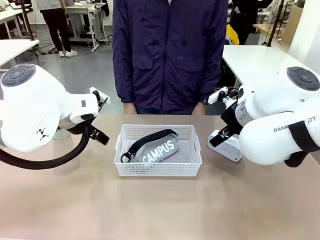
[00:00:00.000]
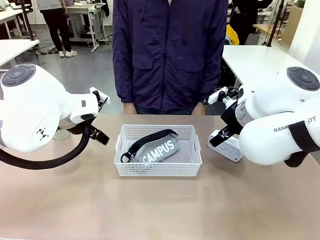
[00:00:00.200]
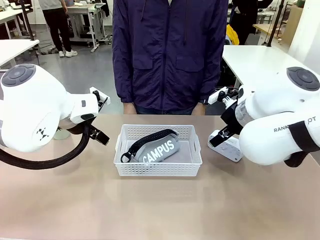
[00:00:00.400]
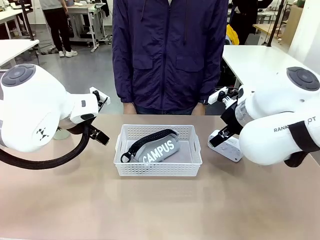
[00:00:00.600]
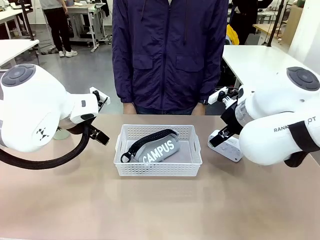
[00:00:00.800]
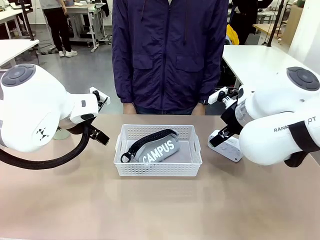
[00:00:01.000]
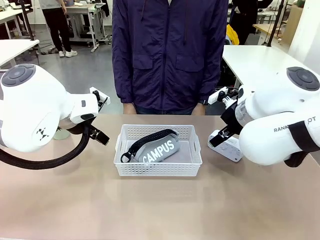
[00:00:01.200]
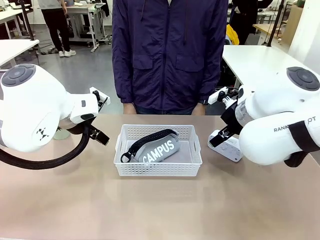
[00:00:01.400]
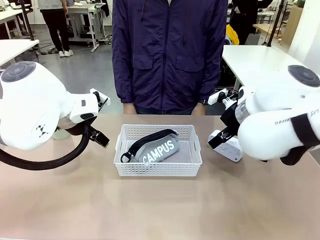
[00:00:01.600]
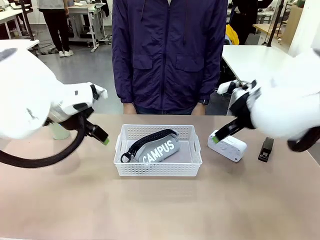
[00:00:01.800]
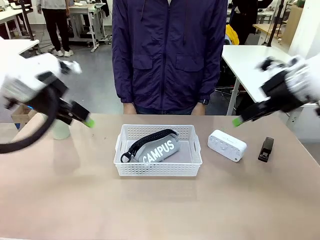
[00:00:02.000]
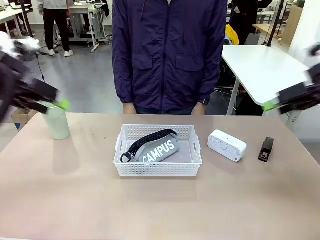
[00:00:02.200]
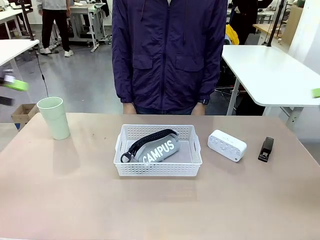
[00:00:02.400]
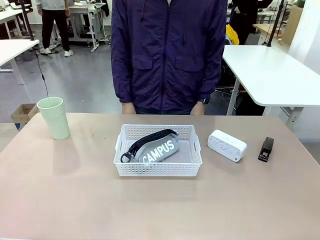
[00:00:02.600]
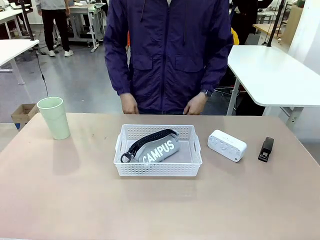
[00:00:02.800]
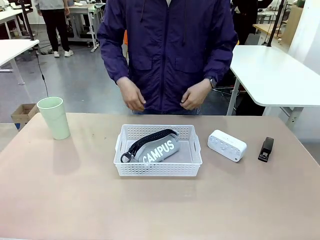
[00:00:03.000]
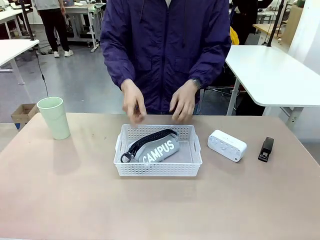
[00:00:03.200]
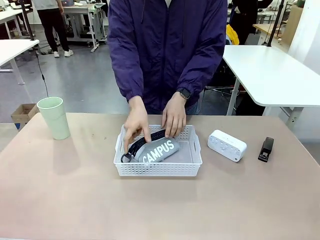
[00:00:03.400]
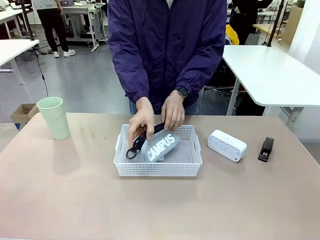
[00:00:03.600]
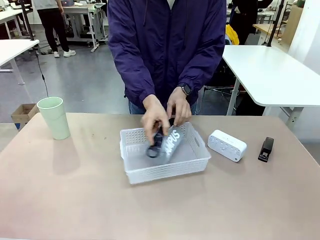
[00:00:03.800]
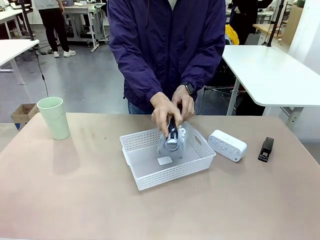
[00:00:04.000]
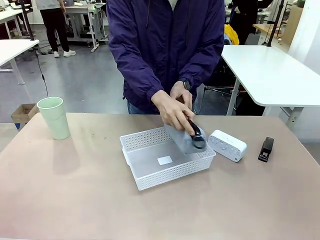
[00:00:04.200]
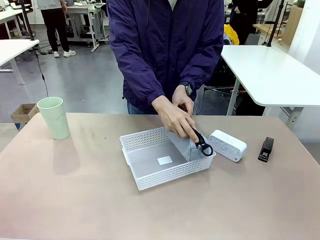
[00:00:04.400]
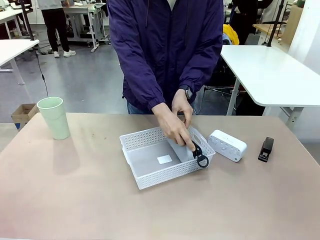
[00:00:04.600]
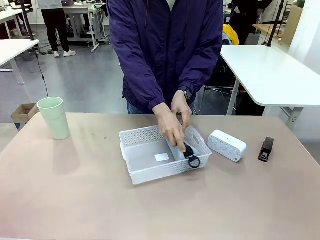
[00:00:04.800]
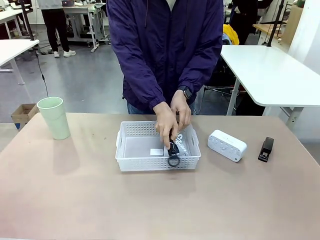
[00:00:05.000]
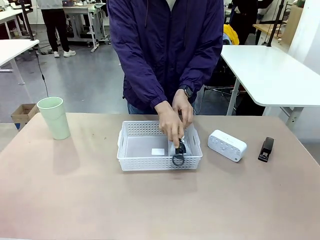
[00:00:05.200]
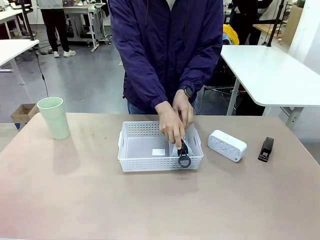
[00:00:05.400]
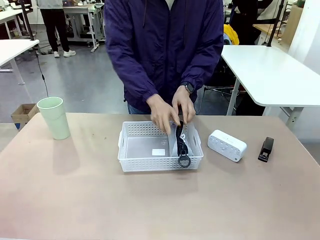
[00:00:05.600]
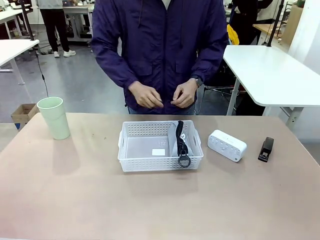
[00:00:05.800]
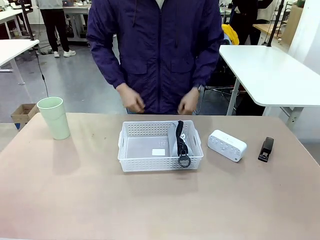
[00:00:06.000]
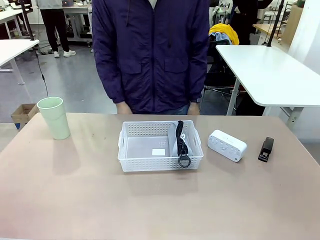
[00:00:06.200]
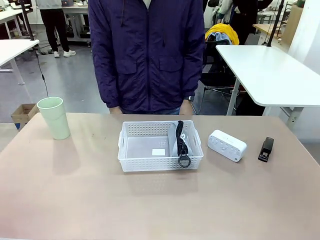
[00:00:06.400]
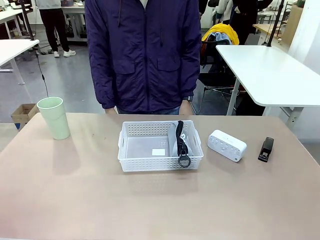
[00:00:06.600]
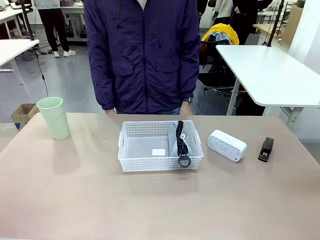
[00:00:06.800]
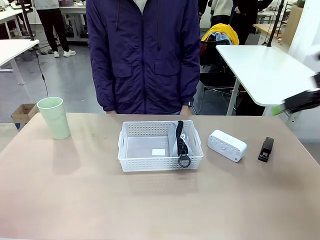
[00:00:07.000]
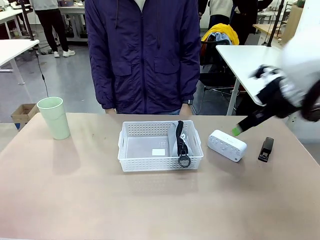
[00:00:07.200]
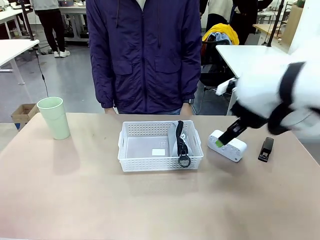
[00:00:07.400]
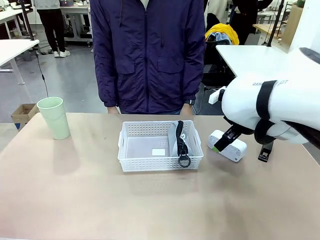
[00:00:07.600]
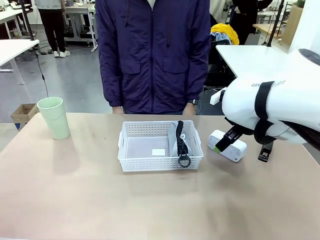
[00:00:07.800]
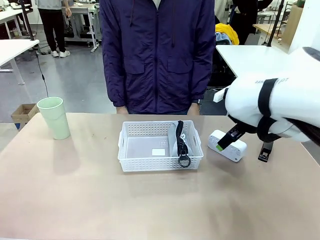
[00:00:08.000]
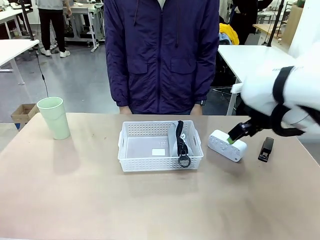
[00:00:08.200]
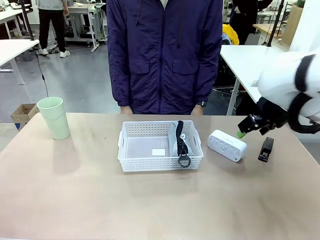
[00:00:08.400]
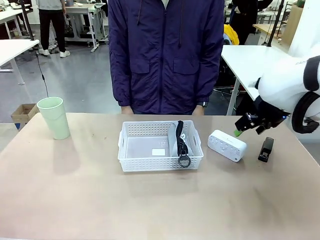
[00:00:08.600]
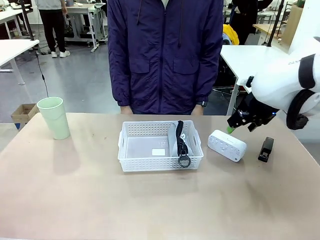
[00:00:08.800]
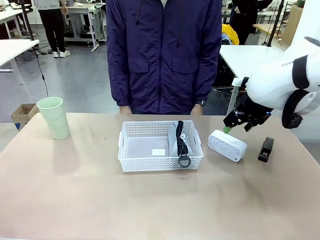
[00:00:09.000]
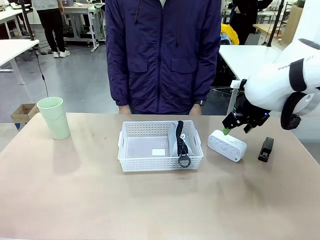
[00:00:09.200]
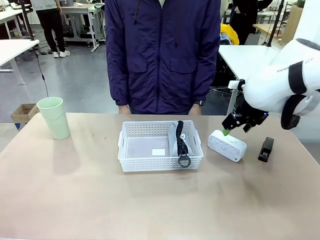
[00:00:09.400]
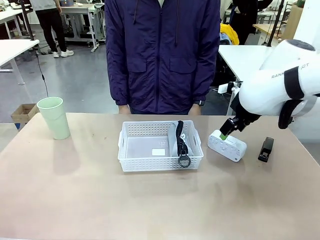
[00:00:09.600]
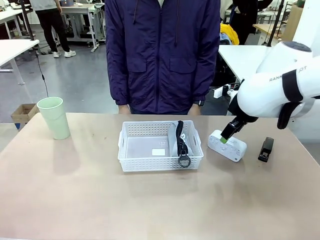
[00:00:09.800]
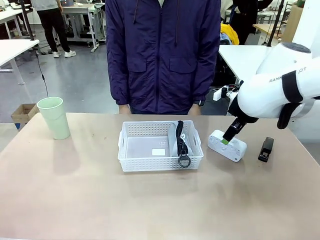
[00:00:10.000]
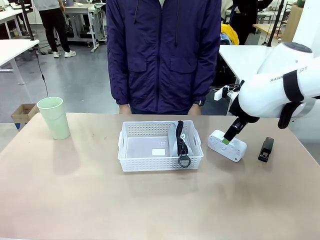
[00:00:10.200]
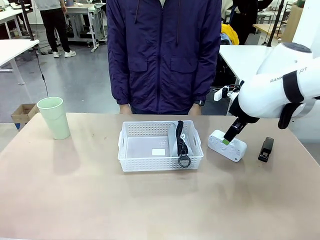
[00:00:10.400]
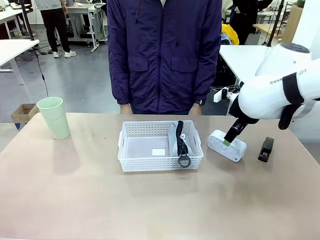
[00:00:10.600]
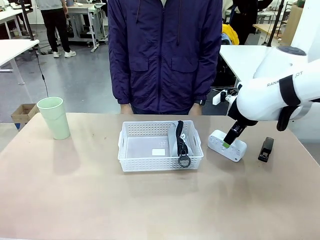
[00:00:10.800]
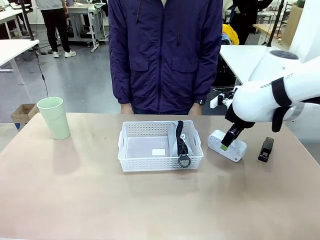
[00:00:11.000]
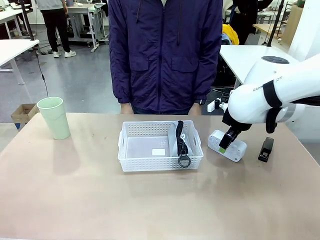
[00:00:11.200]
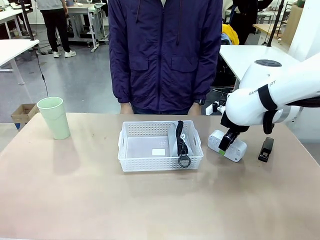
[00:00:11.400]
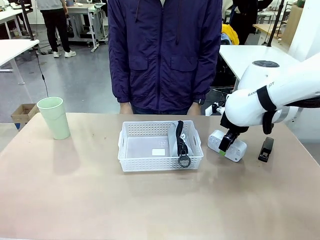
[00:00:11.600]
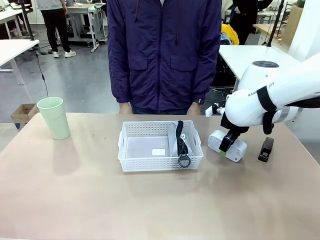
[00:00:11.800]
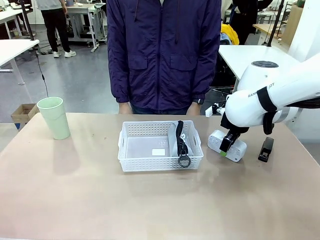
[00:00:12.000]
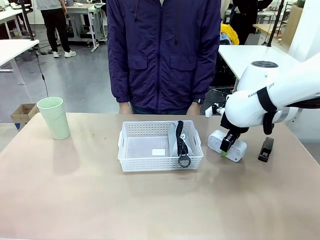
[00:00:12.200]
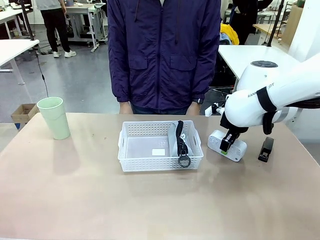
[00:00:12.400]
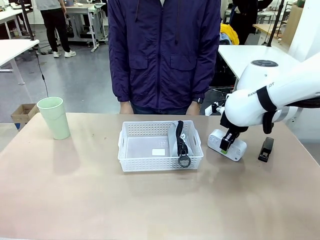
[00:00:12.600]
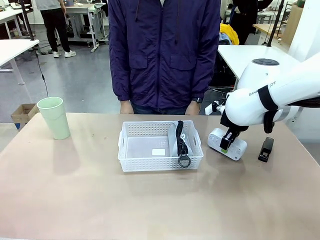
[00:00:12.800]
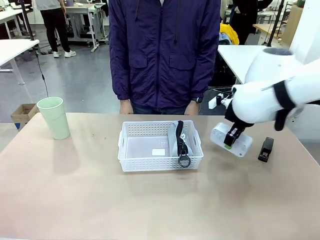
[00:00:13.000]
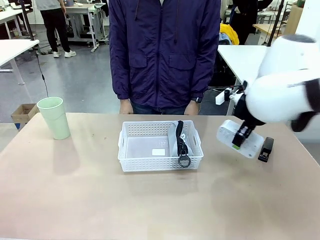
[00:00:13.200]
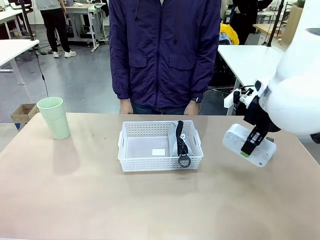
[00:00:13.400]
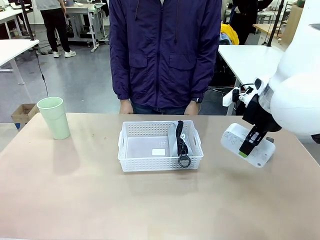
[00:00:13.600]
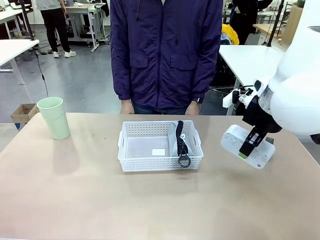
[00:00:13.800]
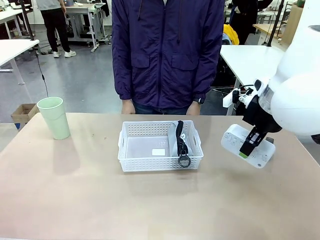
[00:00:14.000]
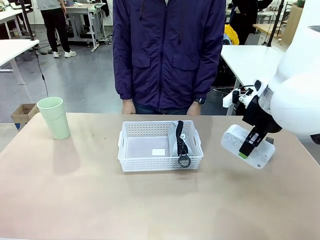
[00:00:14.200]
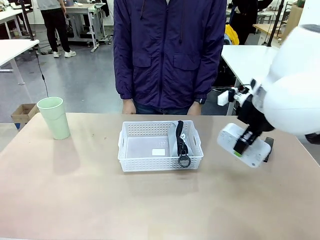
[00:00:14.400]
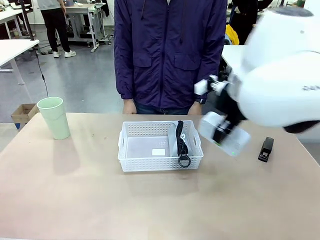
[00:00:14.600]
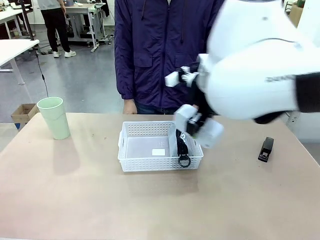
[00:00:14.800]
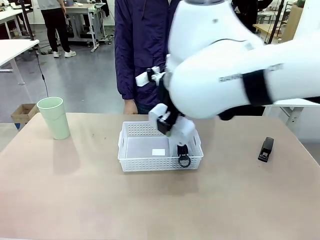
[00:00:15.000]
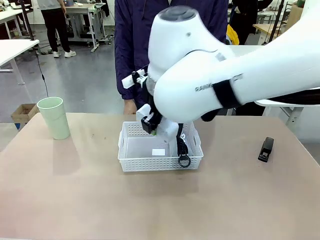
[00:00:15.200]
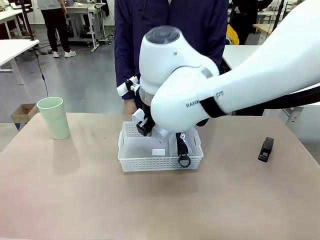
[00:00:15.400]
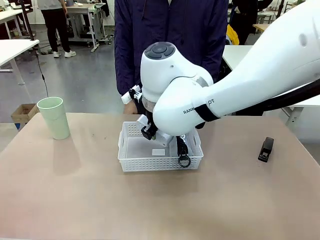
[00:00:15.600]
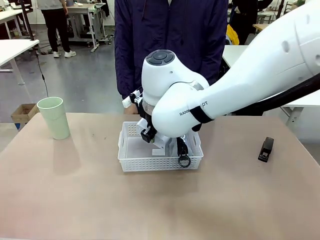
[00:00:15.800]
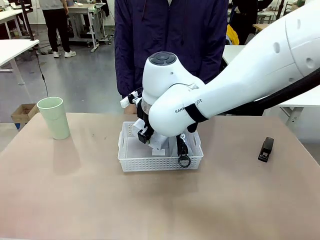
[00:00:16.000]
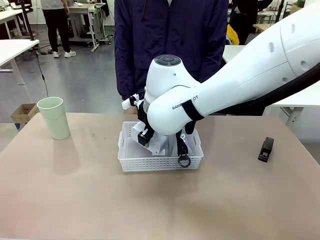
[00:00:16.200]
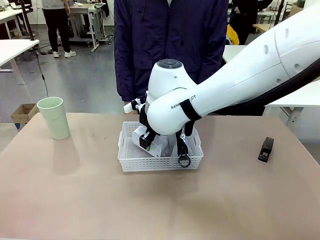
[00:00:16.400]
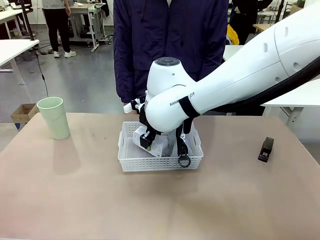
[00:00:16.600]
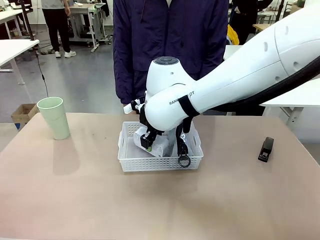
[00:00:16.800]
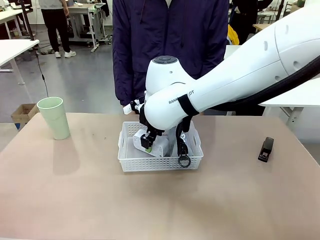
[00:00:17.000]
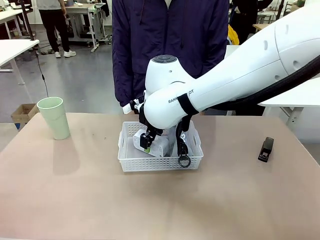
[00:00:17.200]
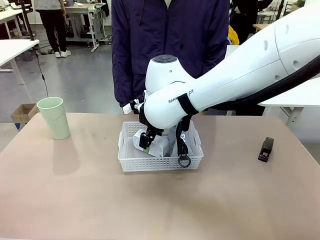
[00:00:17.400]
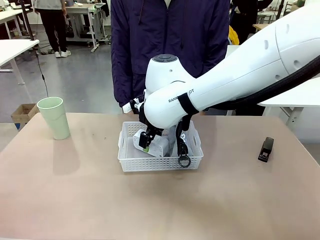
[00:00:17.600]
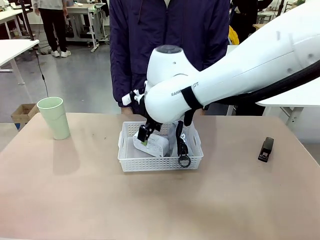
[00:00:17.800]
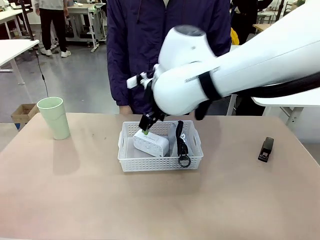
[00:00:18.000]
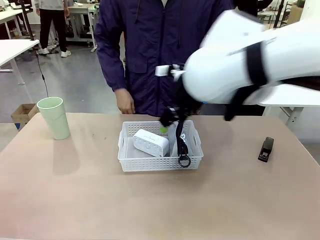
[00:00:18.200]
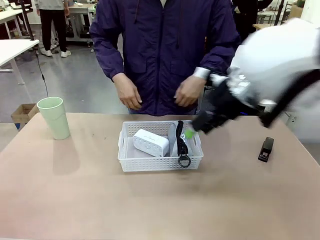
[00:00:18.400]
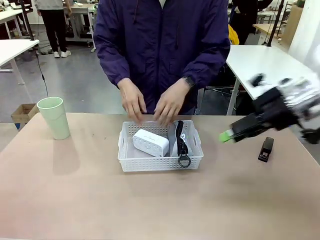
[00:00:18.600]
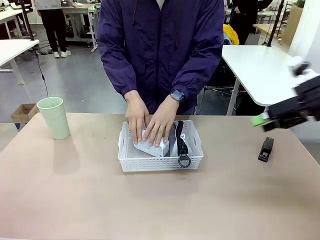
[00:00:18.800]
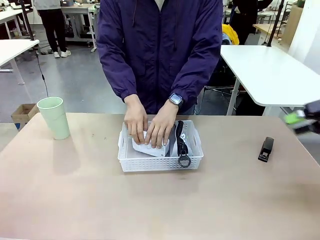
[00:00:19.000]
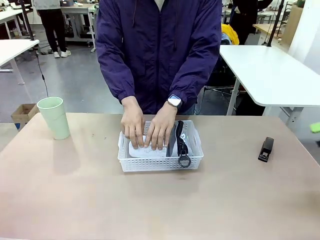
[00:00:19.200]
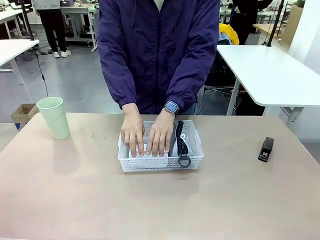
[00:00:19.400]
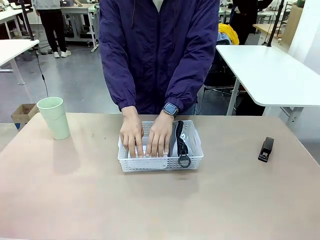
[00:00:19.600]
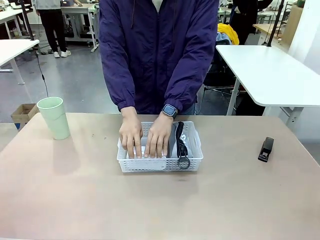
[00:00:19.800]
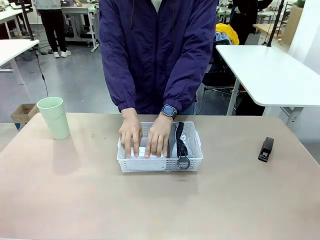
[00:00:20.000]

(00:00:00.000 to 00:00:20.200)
Task: Efficiently arrange items inside the basket to fit them all.
Robot: Pick up the Digital clock and place it inside the Organizing basket.
Person: Repositions the pencil case. Repositions the digital clock.
